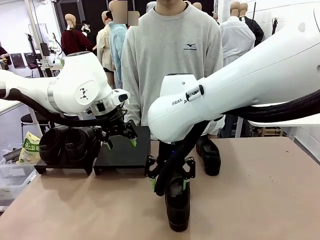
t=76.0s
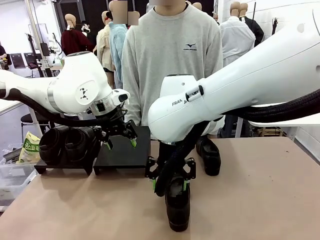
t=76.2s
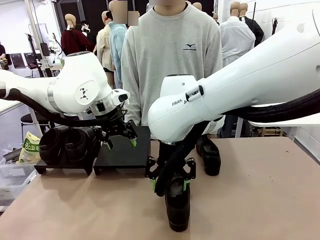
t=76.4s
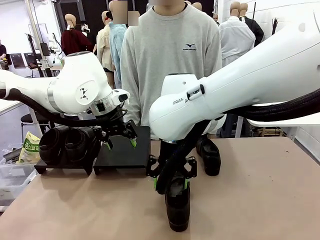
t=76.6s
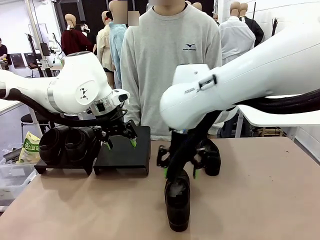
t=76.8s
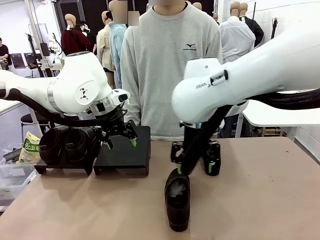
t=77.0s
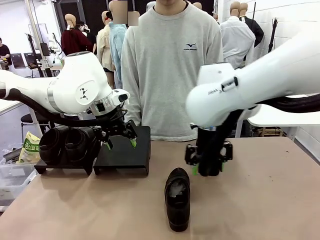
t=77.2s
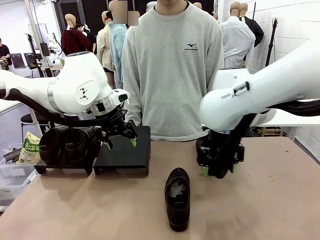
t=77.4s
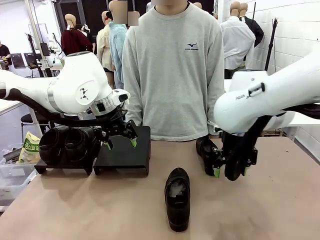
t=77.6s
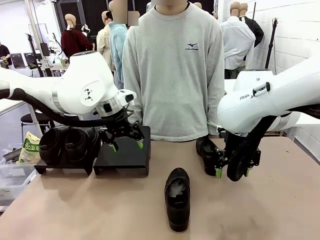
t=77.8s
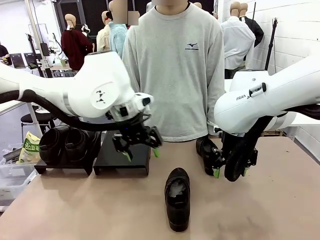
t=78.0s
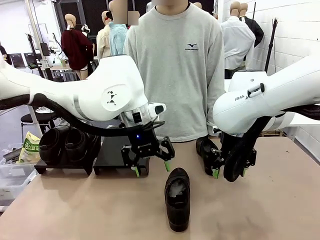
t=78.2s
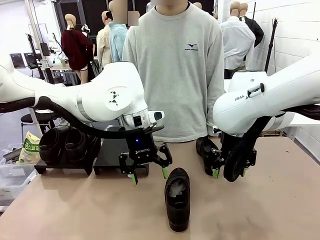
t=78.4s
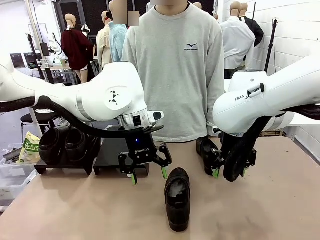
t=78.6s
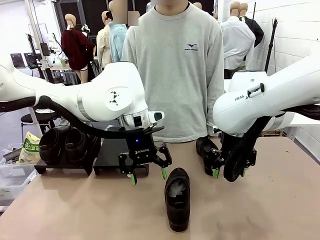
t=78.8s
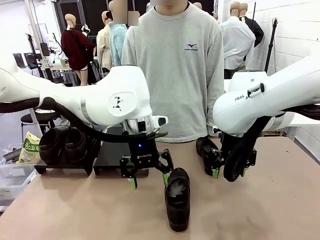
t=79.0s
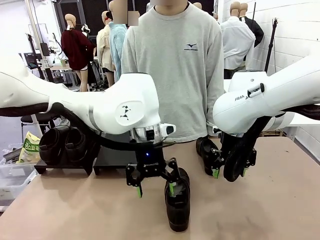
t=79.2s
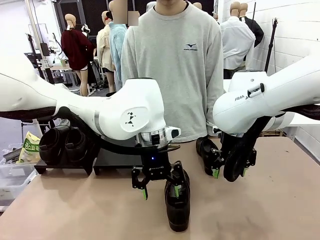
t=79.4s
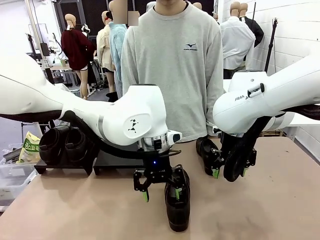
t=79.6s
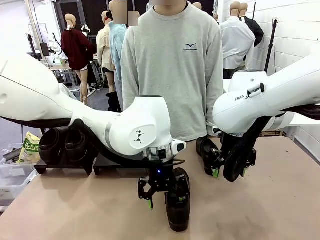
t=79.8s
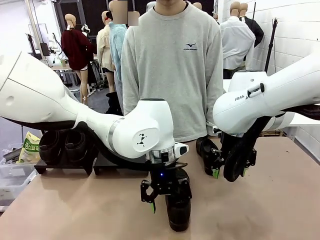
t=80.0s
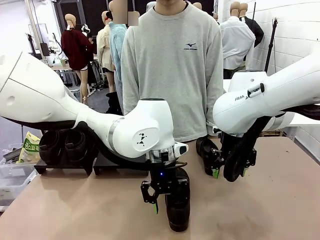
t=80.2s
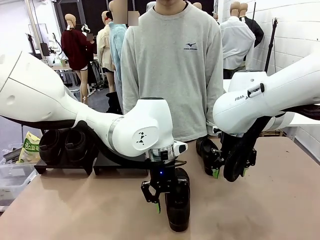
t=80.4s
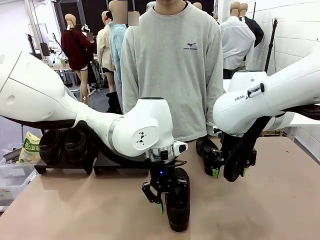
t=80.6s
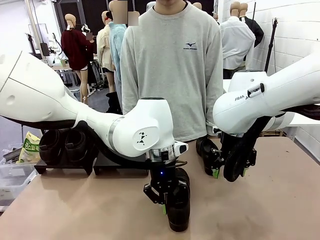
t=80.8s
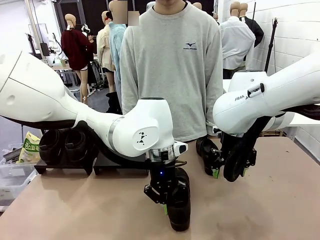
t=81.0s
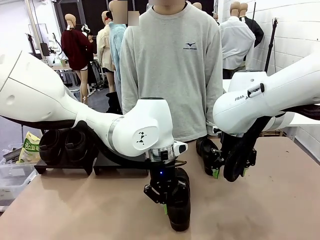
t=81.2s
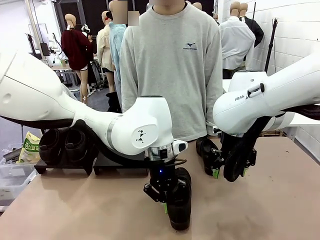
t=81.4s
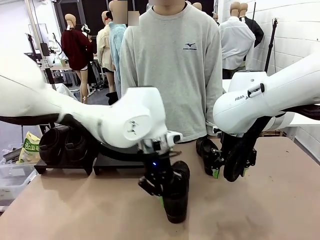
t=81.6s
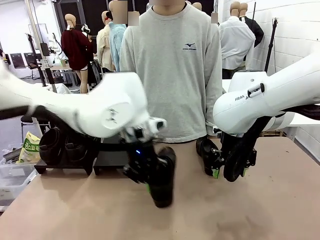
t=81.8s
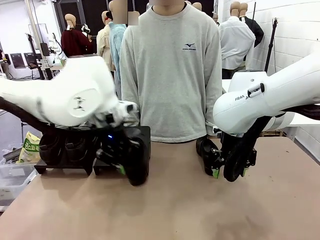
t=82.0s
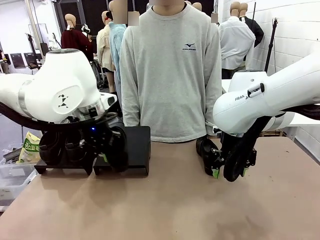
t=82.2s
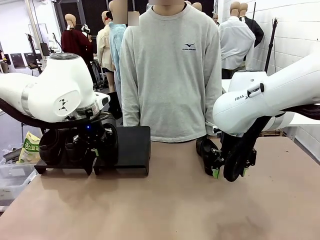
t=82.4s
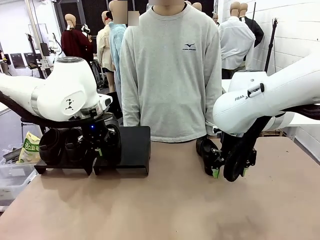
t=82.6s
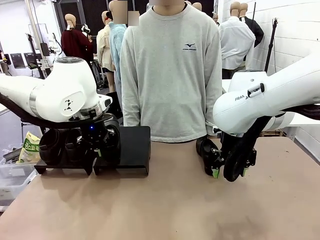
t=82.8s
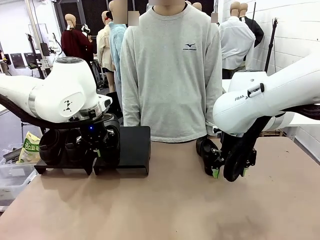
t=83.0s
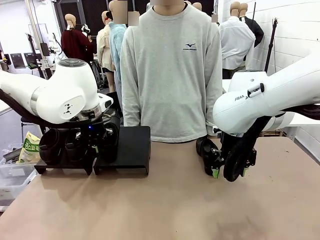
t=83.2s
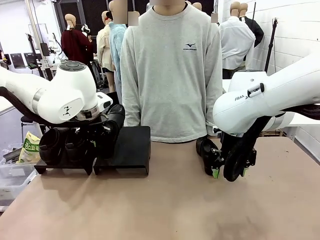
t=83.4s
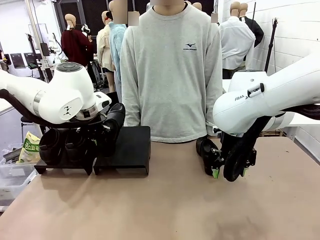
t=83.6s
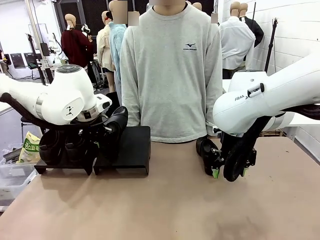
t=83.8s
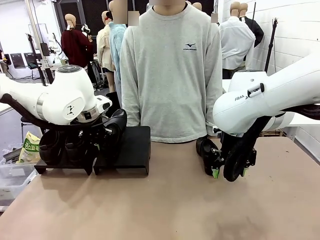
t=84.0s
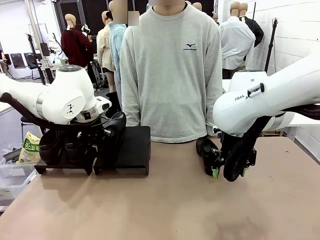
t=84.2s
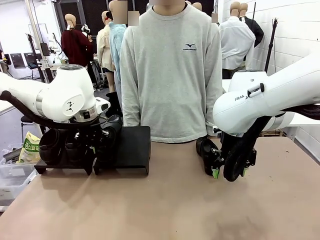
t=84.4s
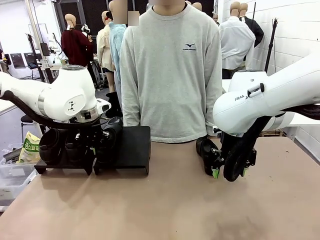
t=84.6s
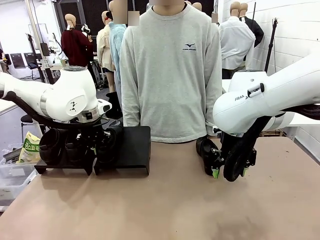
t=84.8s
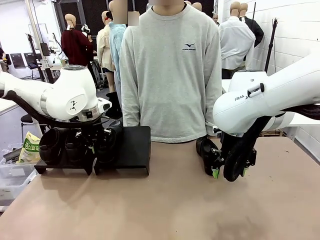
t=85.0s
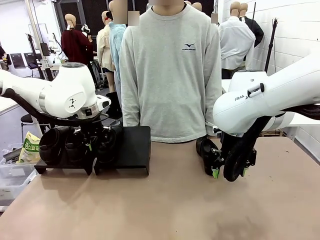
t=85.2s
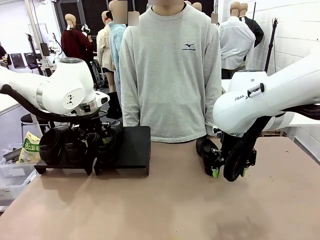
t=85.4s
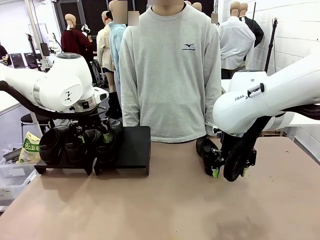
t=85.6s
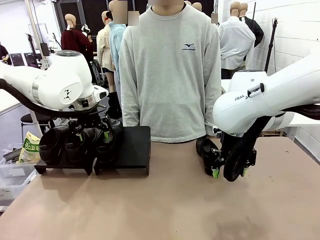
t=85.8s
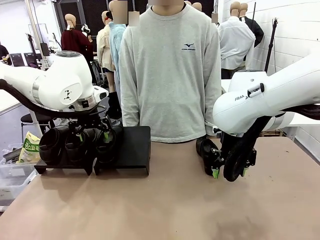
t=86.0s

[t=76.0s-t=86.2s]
Task: Organize the shoes by placing them on the stand.
Robot: Place the Shoe from the middle of the table onto the Shoes Stand.

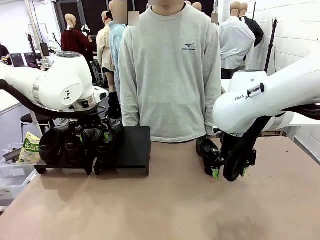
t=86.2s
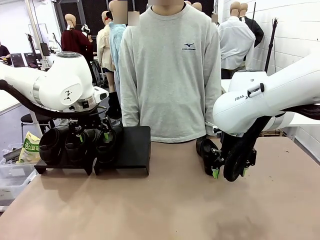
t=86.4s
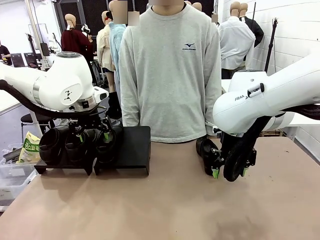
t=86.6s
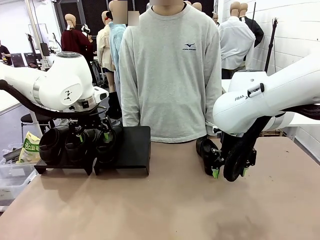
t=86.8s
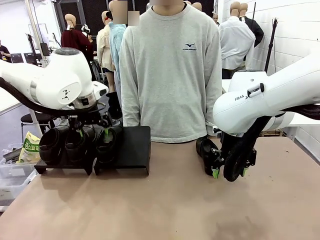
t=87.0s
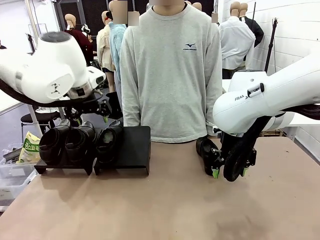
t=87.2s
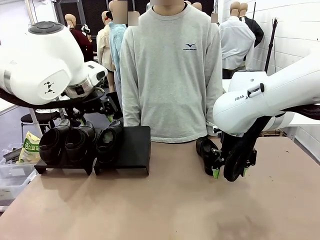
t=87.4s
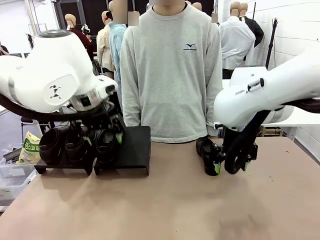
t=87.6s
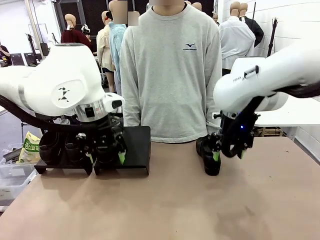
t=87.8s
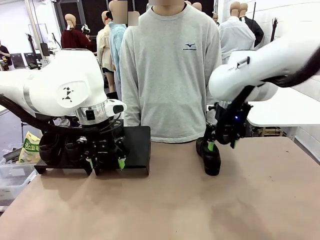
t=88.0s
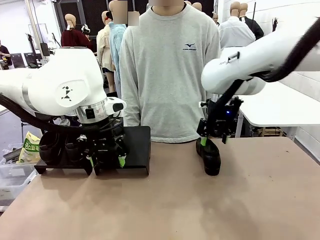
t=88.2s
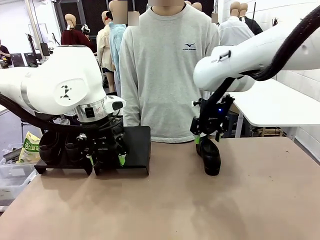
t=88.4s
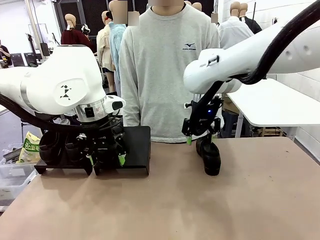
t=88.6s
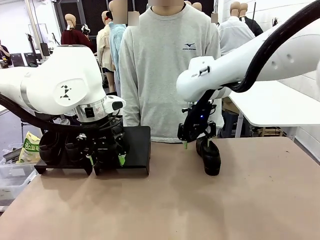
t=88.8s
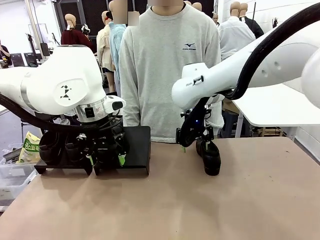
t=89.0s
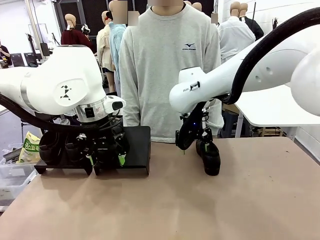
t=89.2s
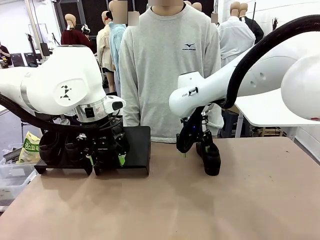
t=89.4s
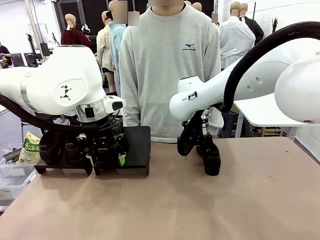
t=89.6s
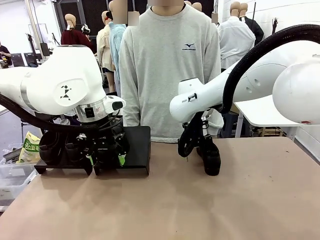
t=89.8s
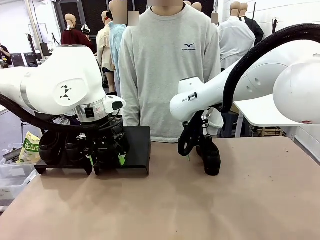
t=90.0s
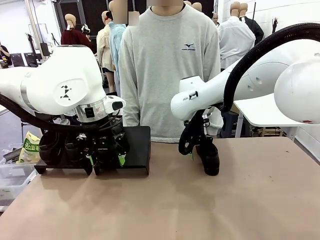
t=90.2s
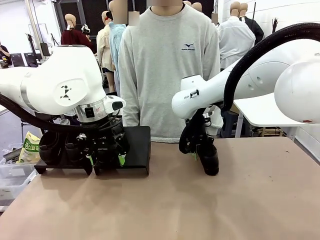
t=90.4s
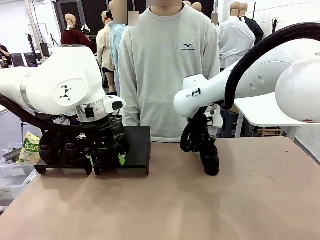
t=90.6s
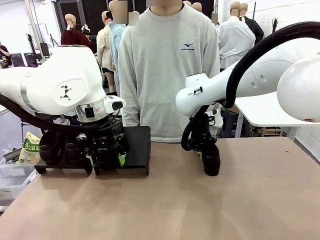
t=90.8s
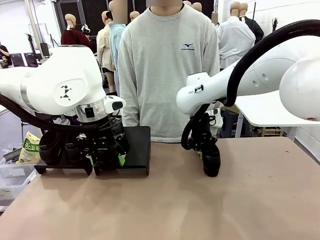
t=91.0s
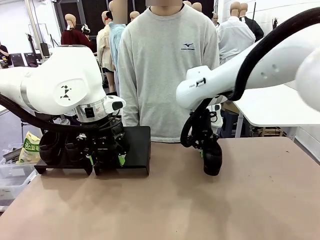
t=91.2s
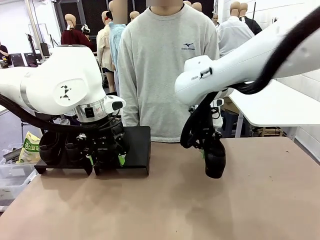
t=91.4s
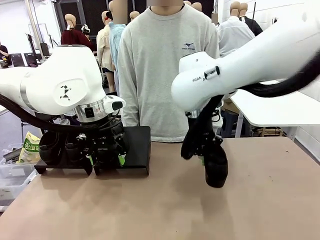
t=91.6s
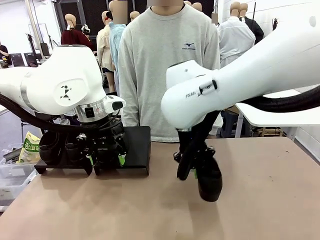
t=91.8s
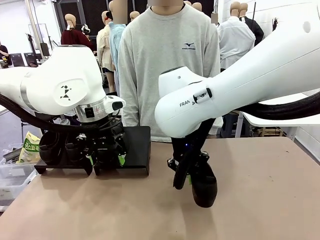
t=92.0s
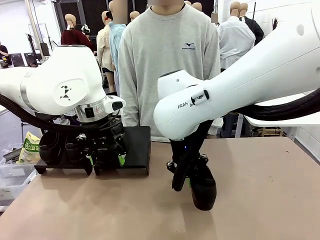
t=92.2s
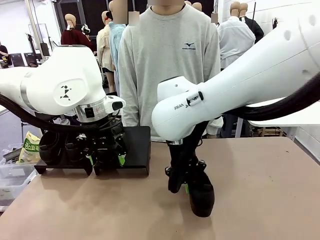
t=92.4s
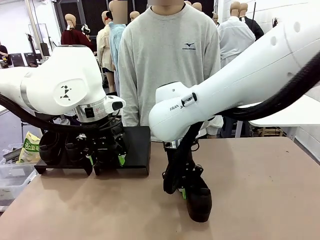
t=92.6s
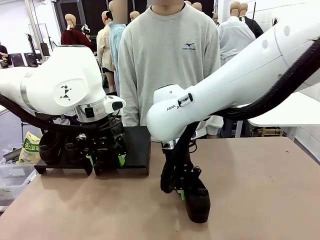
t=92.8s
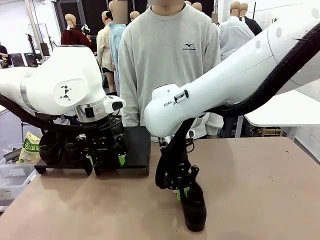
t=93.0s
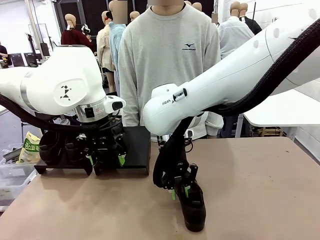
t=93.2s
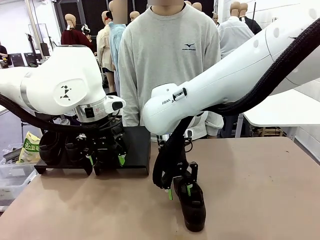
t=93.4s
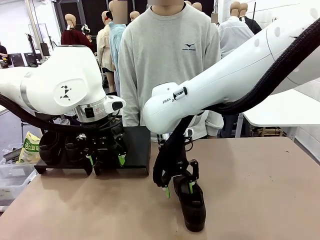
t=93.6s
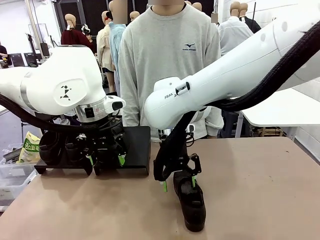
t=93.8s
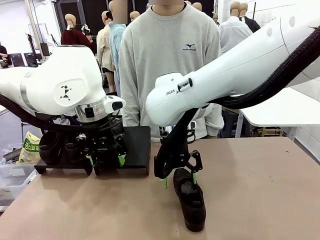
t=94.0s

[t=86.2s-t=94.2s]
Robot: Pick up one Shoe and place it in the middle of the table.
